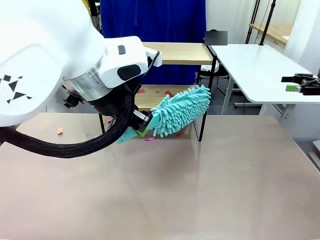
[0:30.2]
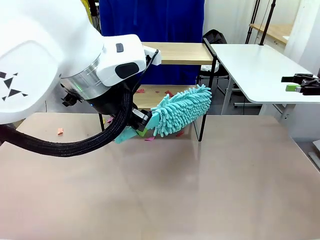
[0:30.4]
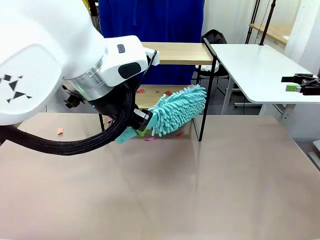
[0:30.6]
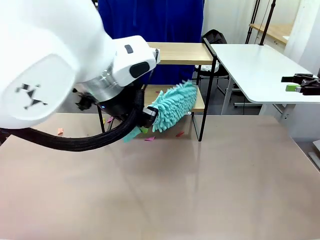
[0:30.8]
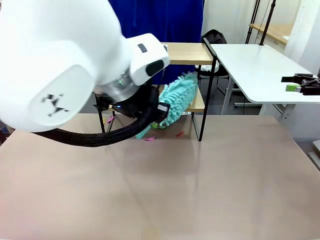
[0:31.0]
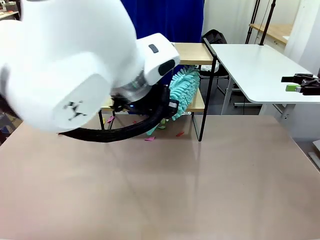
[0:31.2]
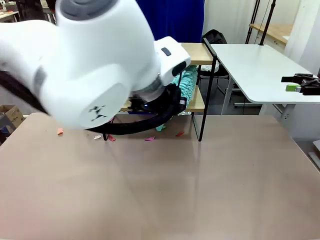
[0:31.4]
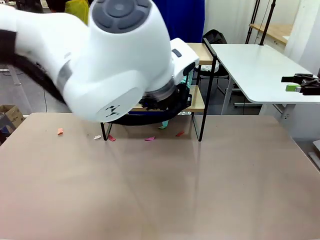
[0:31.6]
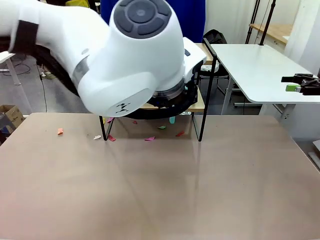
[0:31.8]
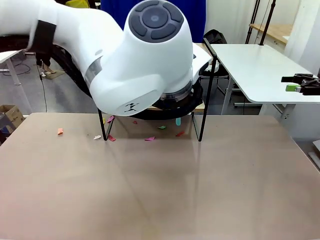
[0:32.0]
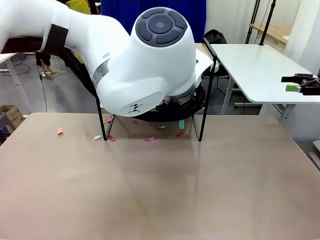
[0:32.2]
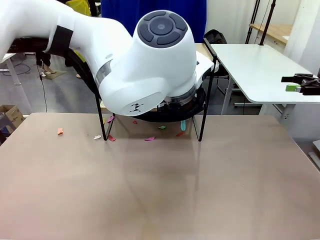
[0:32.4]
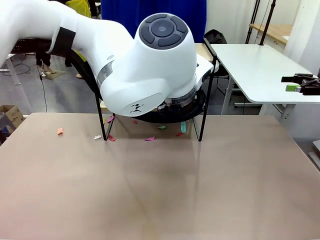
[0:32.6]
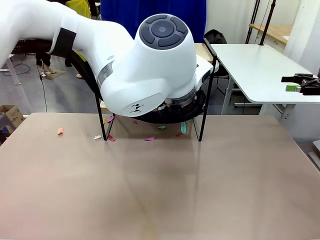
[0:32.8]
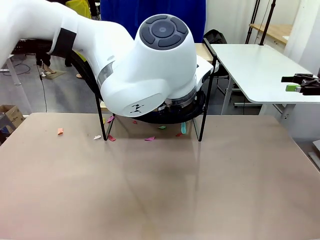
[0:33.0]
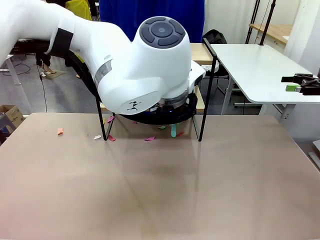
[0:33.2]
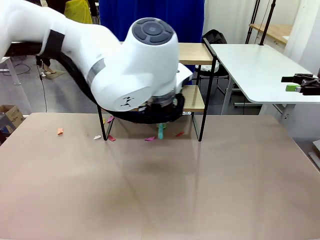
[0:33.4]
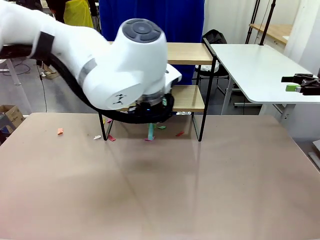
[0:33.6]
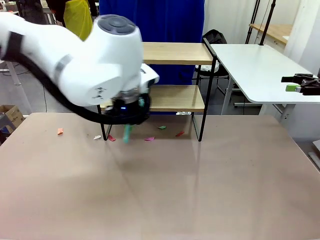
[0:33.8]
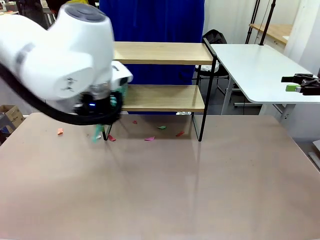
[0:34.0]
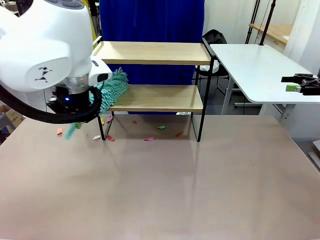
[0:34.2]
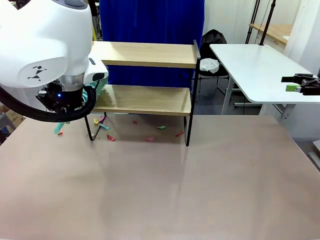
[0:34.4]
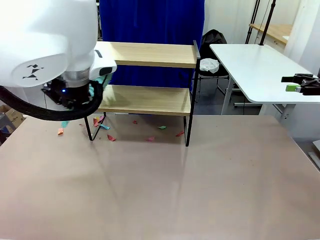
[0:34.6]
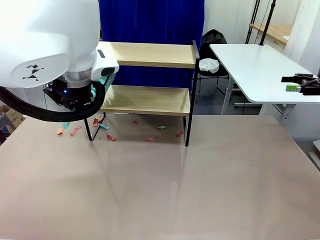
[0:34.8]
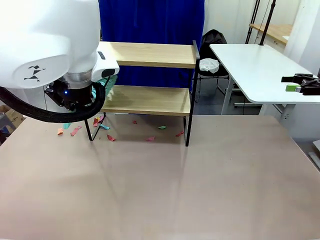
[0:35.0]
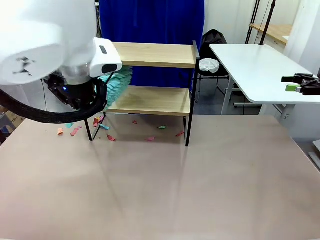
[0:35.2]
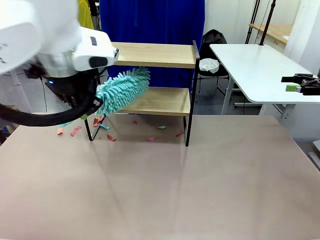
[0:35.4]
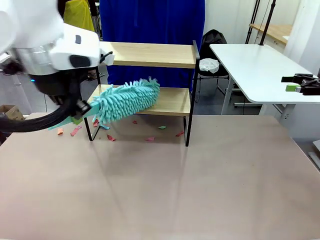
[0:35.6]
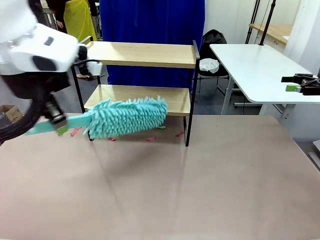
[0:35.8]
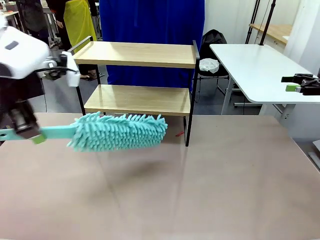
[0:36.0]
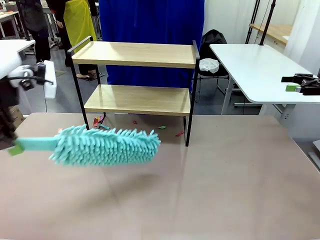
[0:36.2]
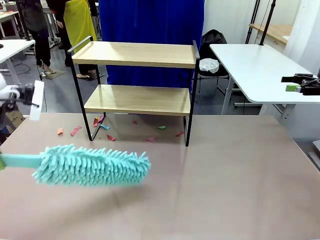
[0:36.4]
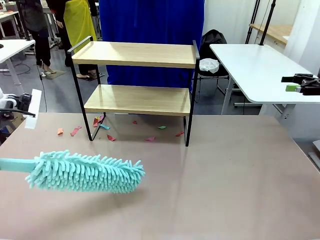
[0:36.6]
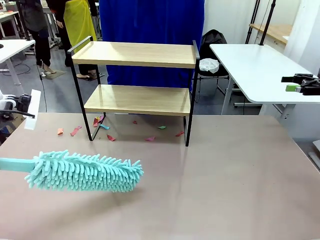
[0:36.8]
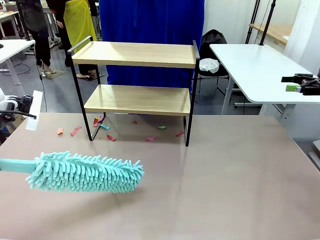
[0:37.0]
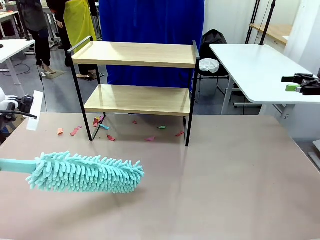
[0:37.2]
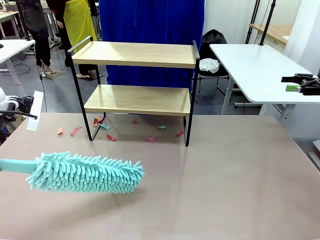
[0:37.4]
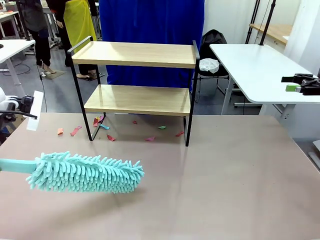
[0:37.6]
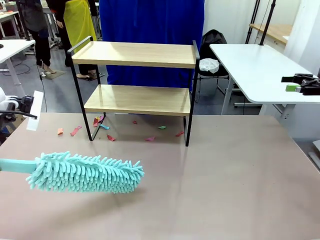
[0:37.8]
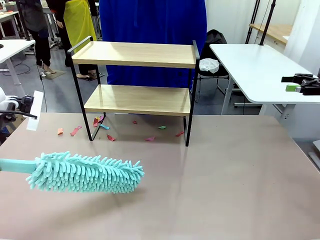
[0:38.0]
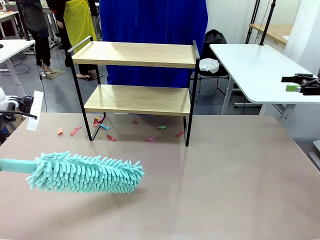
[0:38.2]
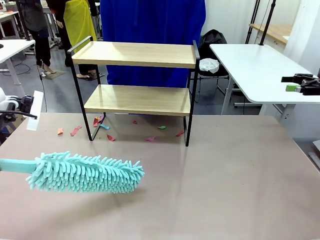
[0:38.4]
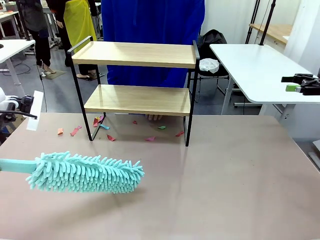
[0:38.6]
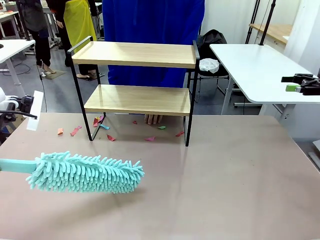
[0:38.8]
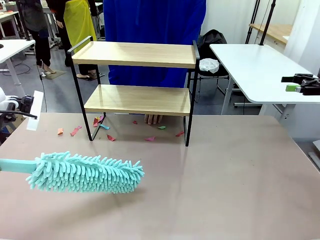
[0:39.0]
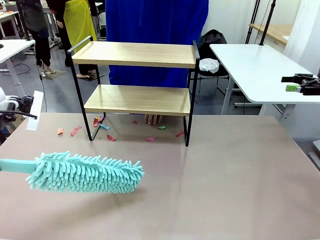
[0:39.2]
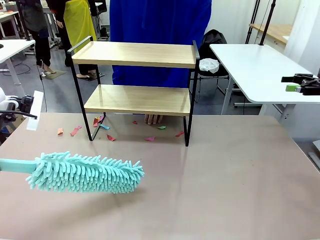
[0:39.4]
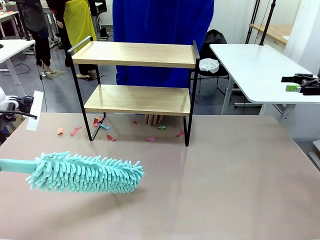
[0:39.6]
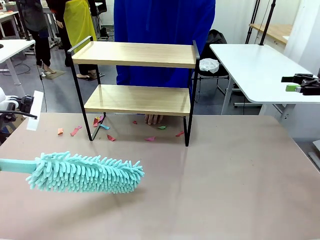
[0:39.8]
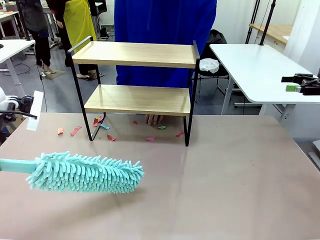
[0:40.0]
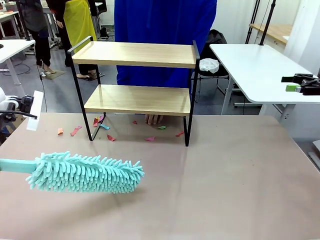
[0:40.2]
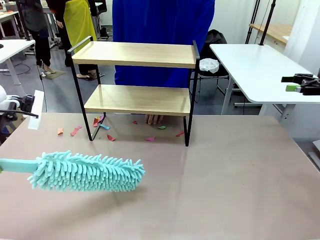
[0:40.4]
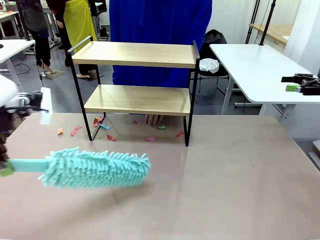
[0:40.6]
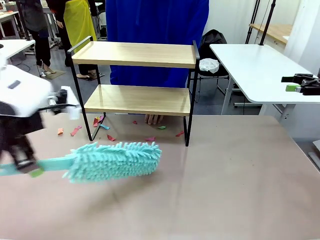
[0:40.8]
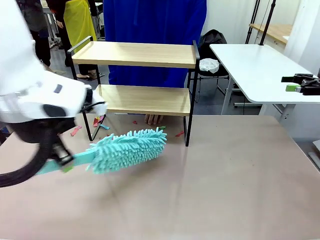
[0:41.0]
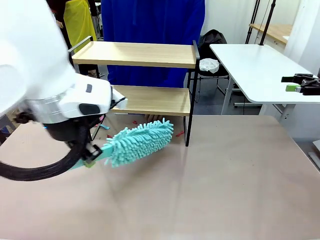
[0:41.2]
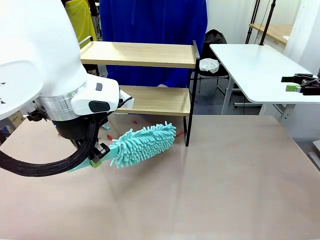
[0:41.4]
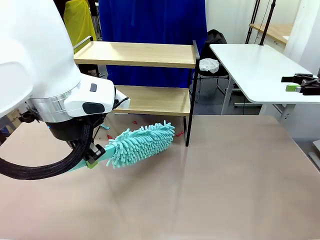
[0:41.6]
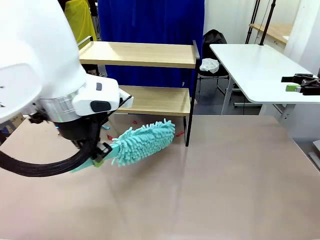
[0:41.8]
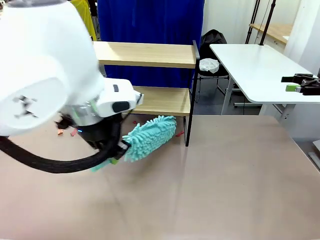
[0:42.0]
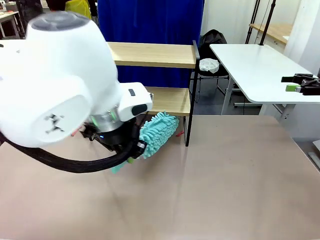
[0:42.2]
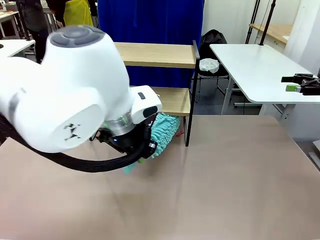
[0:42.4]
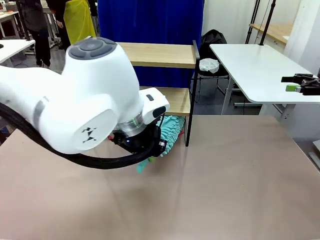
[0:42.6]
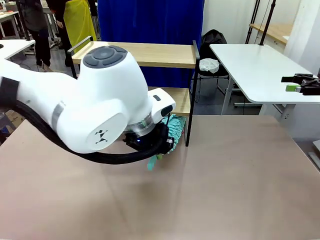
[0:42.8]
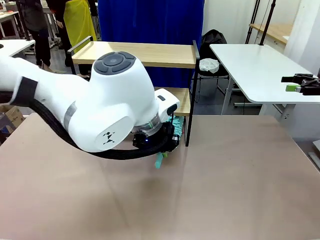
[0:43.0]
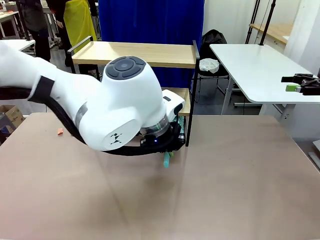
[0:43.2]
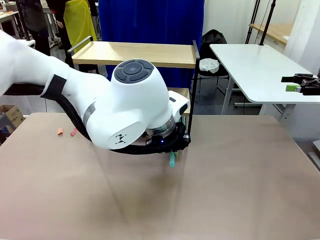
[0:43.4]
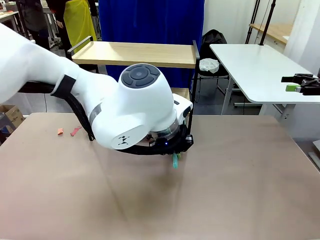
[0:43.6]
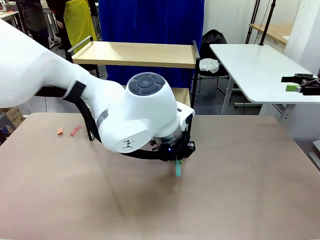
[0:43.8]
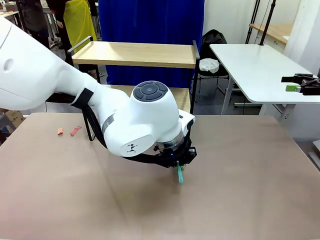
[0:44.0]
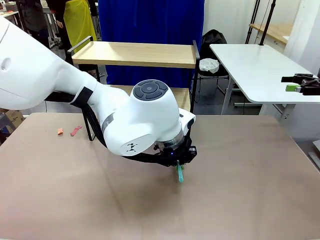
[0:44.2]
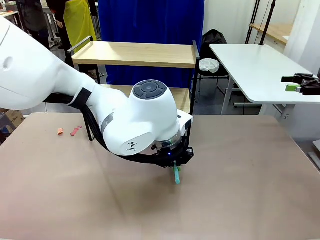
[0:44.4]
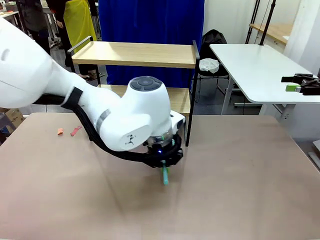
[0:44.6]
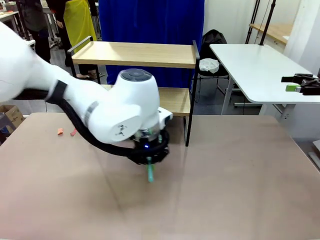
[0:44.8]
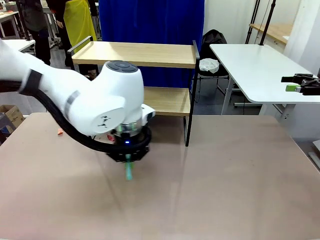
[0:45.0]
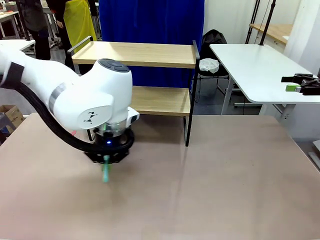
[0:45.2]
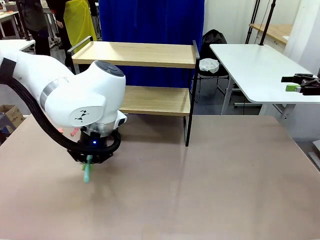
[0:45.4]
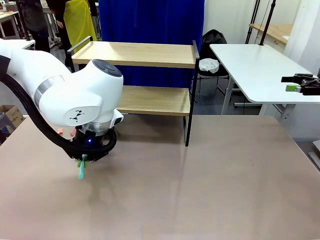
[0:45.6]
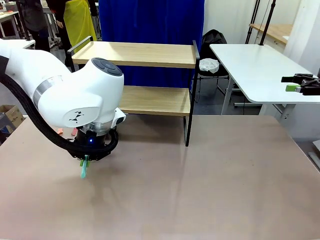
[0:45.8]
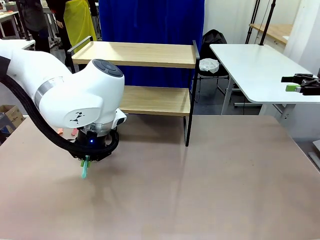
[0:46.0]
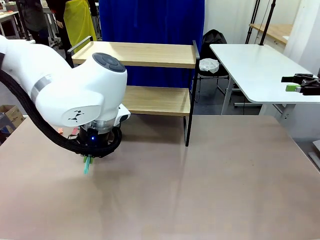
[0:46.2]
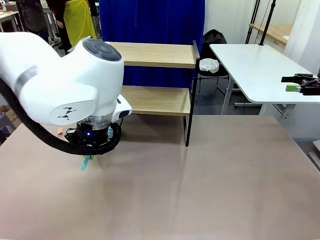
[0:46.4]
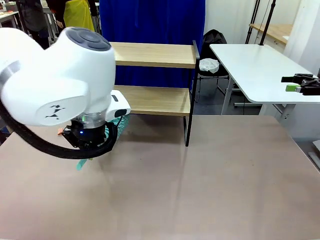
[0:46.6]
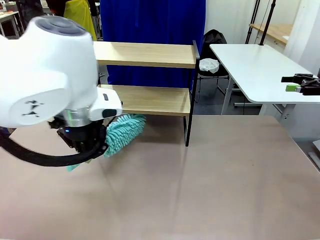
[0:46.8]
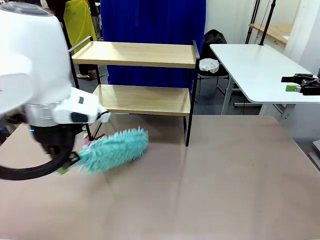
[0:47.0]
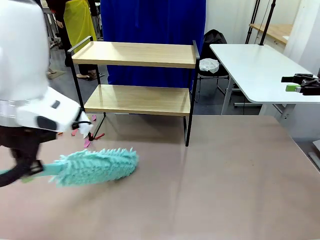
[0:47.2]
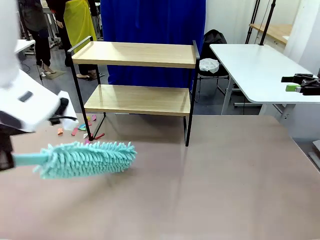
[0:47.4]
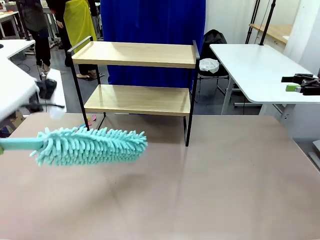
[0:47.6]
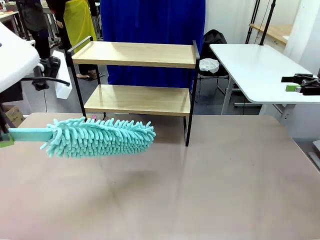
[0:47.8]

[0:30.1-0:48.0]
Task: Clean the shelf.
Robot: Clean the specific section of the Shelf indicated by the human with the Duster.
Person: Point a remaining section of the Shelf.
